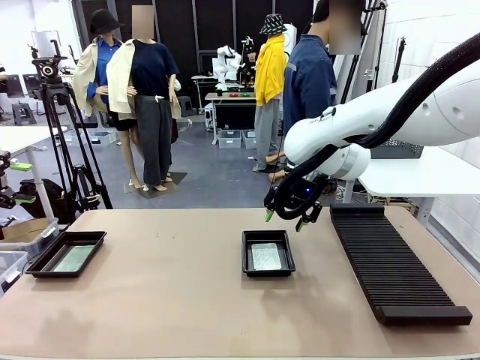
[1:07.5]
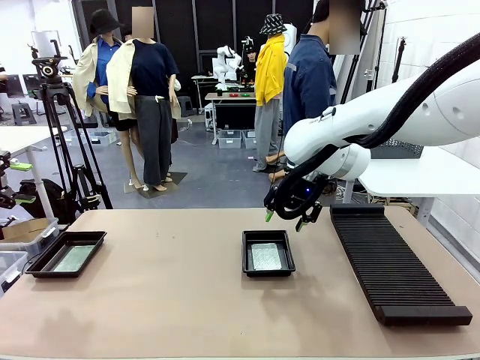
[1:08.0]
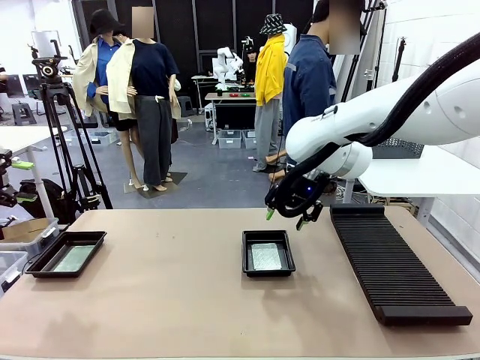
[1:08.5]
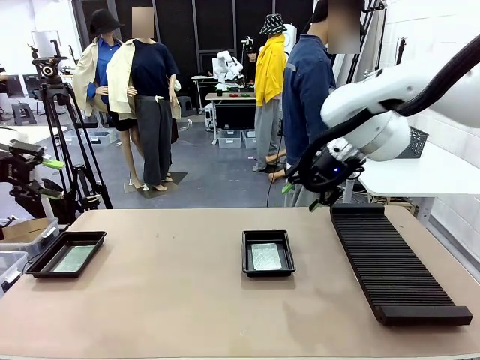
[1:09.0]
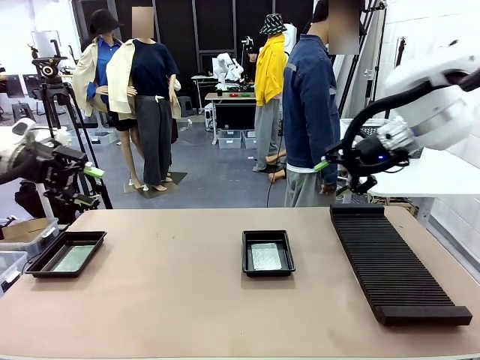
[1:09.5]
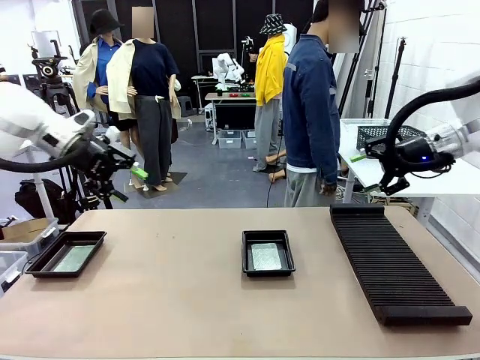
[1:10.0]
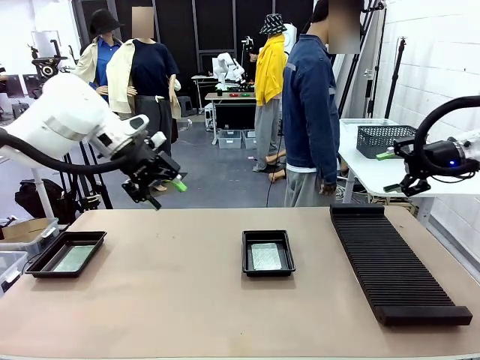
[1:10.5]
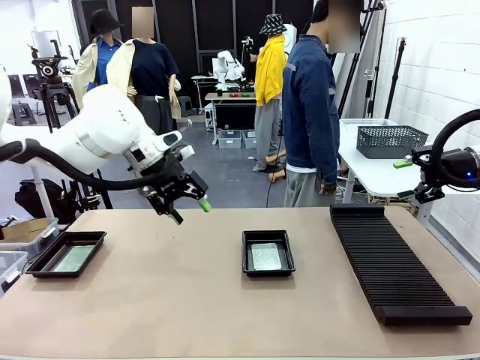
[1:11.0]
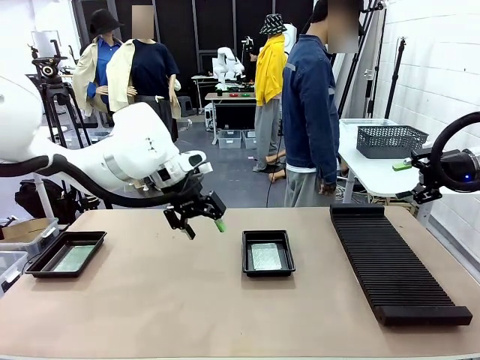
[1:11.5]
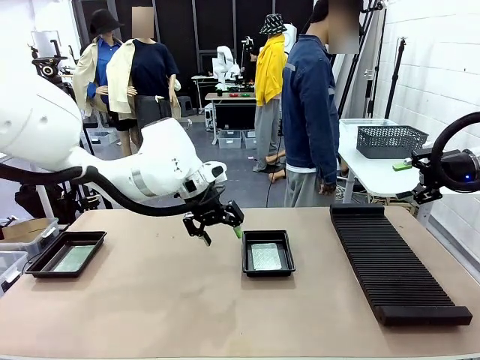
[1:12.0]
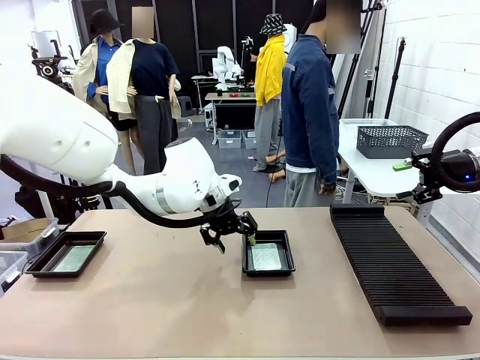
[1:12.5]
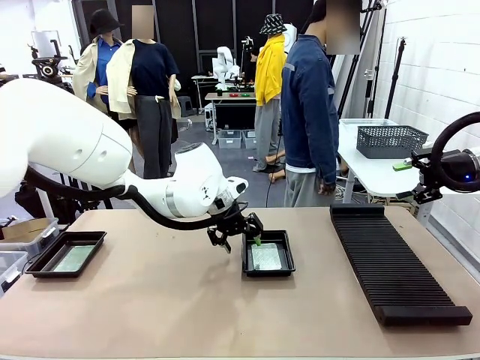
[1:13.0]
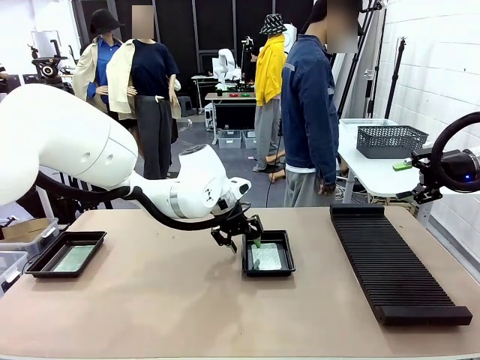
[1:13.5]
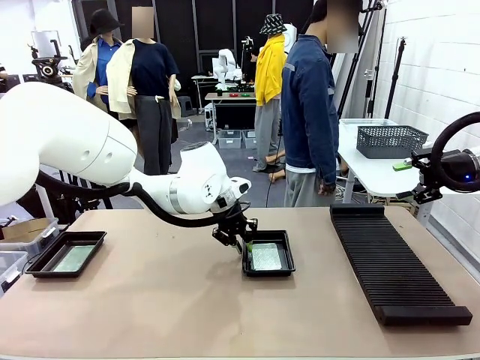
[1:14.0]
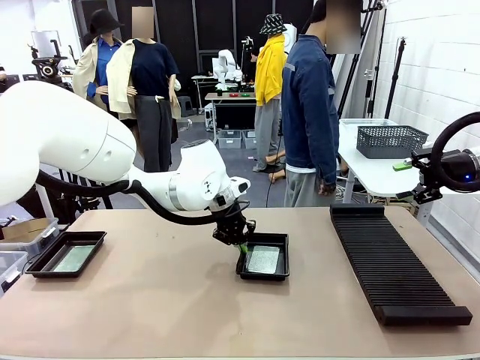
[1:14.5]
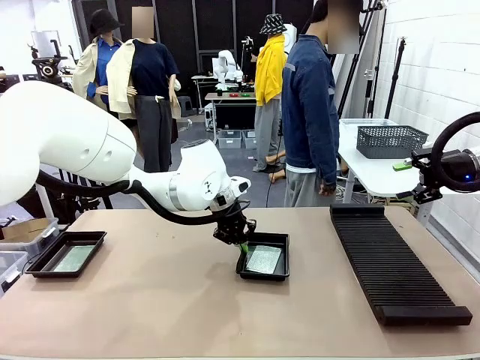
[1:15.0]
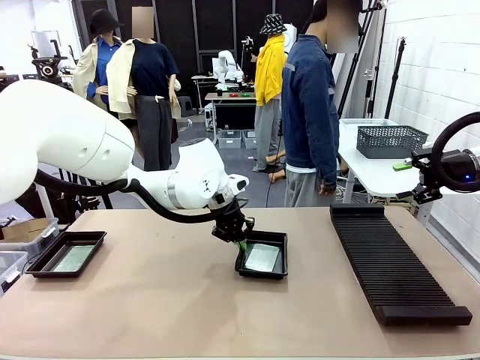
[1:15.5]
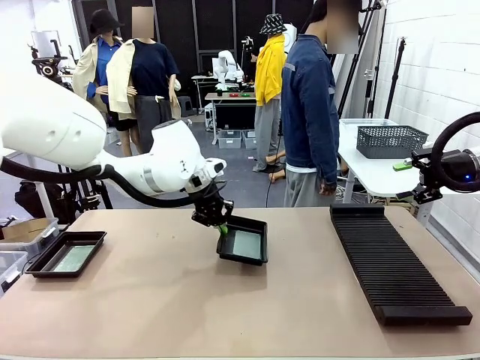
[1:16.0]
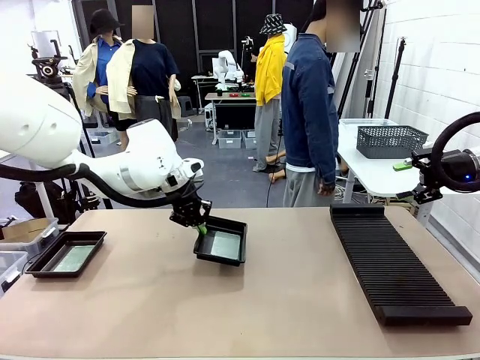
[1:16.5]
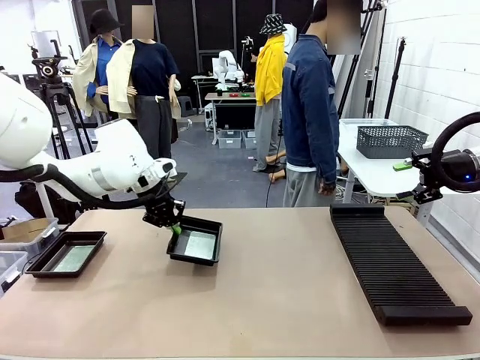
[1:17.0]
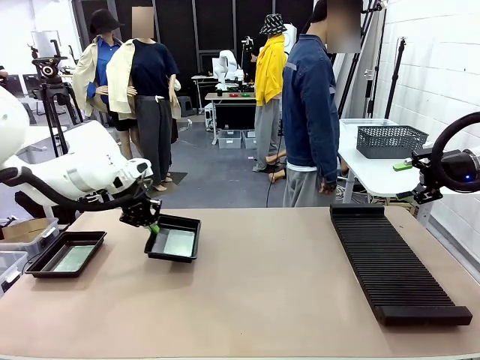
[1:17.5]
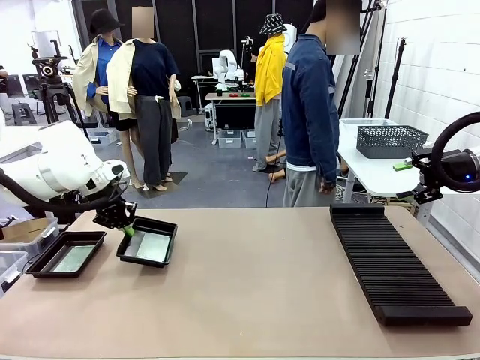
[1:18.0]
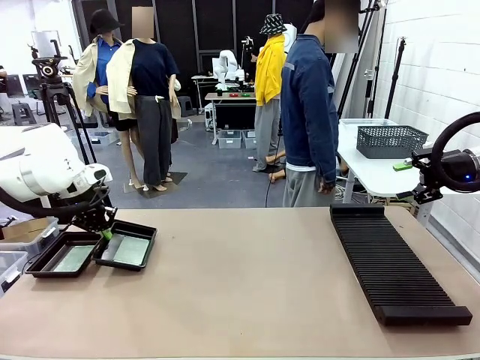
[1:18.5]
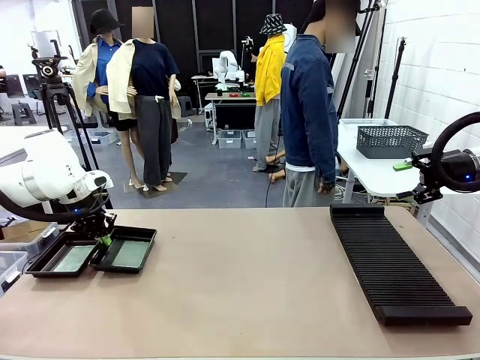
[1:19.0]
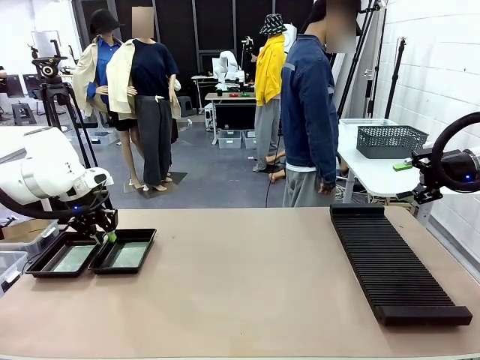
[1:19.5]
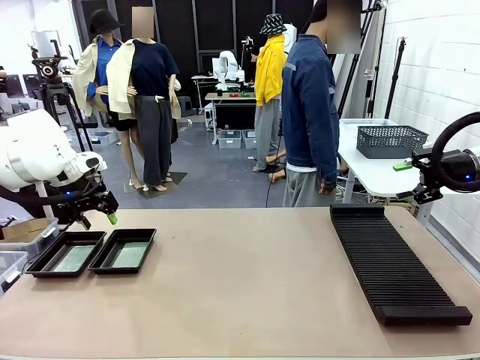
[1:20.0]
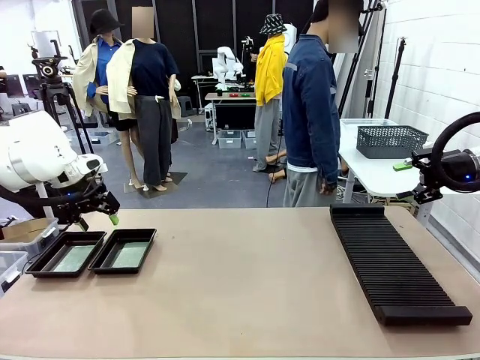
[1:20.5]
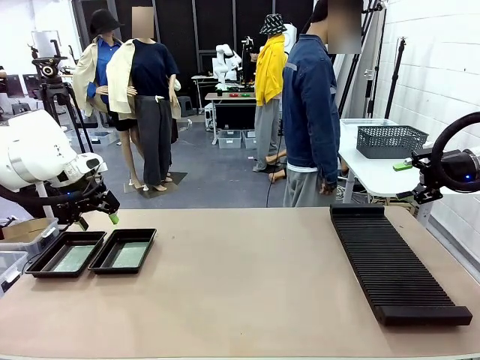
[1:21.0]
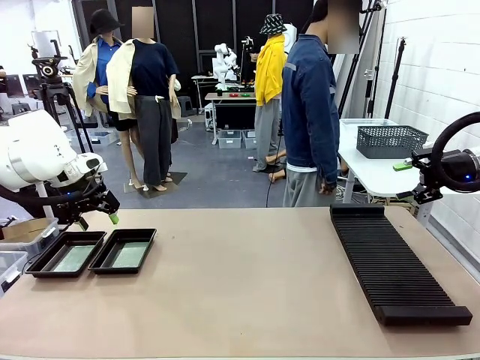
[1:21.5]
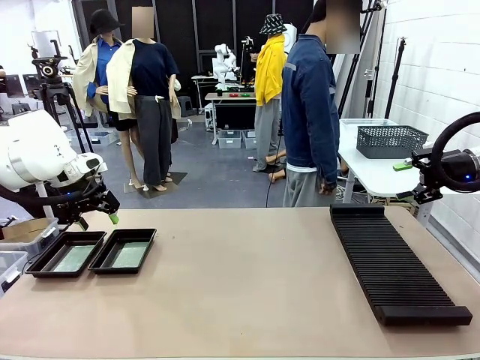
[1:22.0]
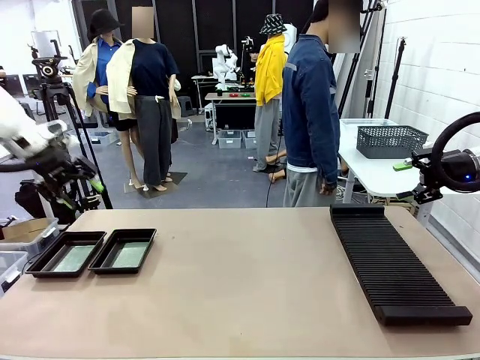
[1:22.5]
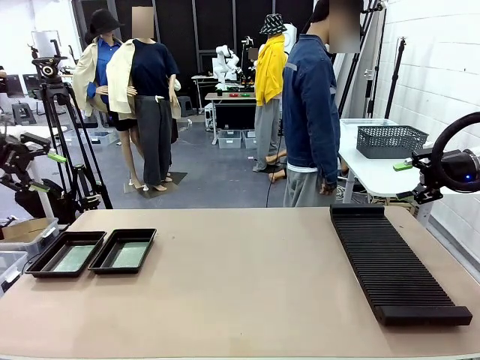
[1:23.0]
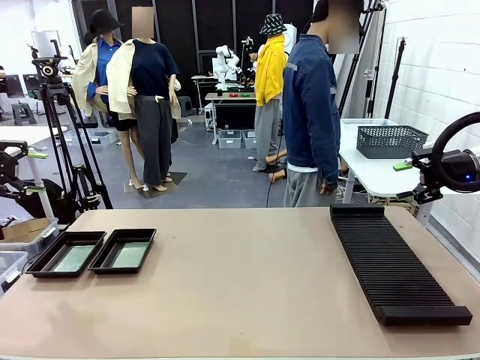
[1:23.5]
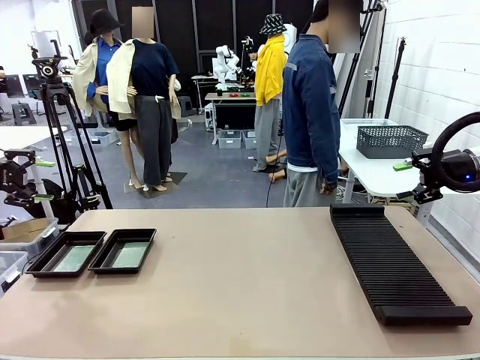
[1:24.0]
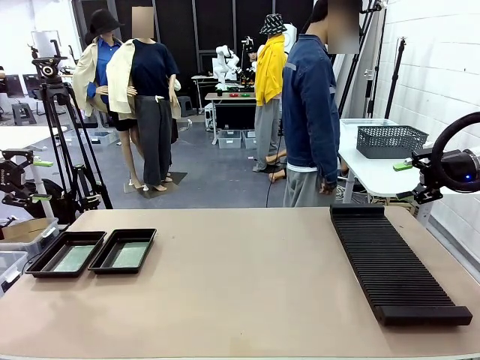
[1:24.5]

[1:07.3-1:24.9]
Task: Inspect and transfer BCBs to ESD trays.
Robot: Pick up the ESD tray and place it on the left side of the table.

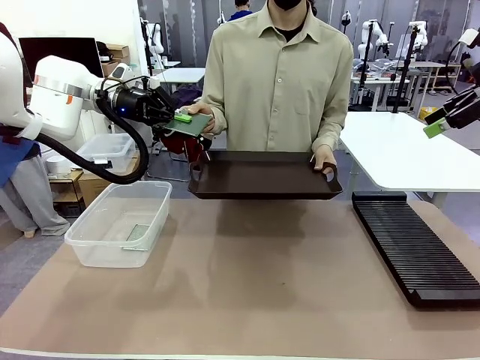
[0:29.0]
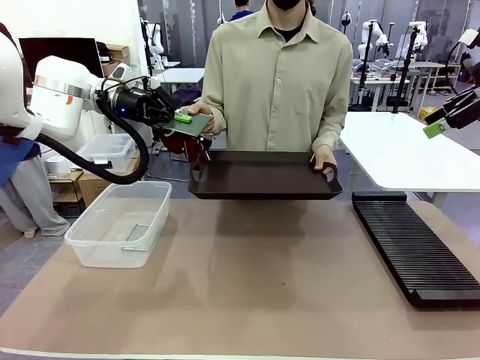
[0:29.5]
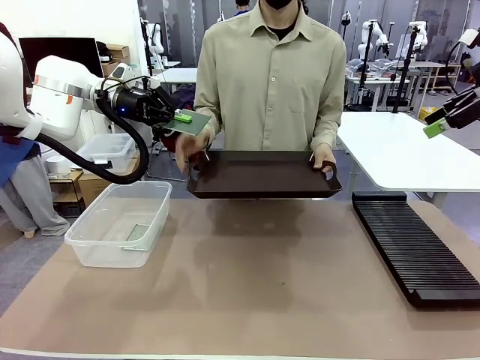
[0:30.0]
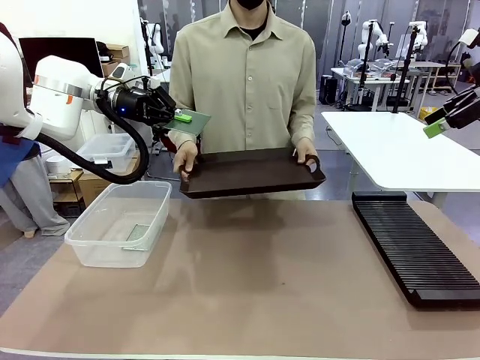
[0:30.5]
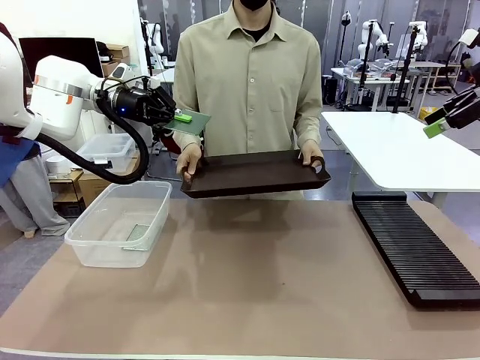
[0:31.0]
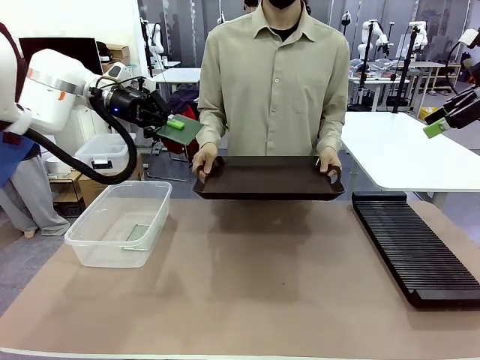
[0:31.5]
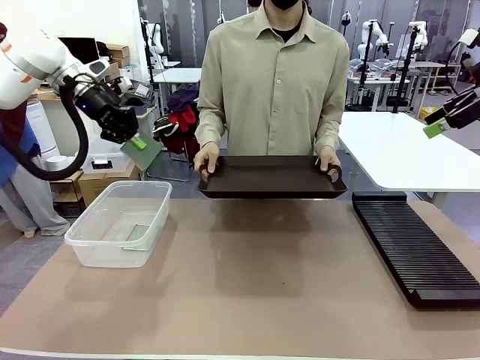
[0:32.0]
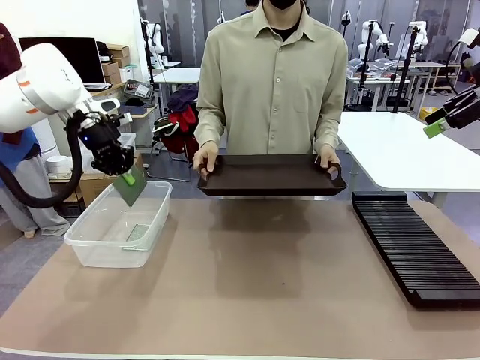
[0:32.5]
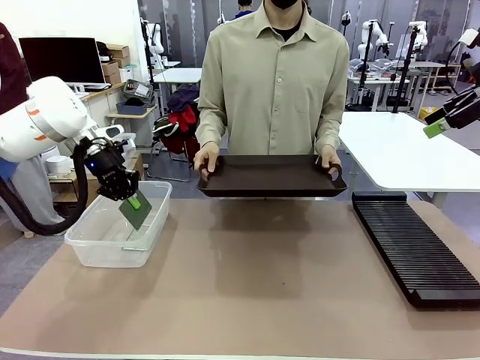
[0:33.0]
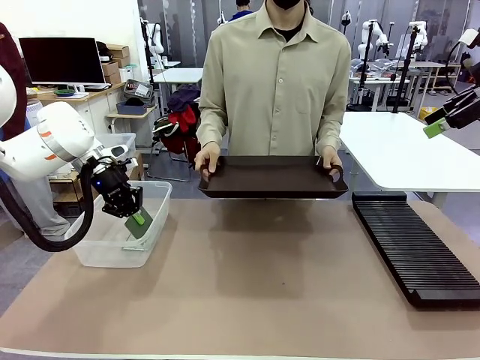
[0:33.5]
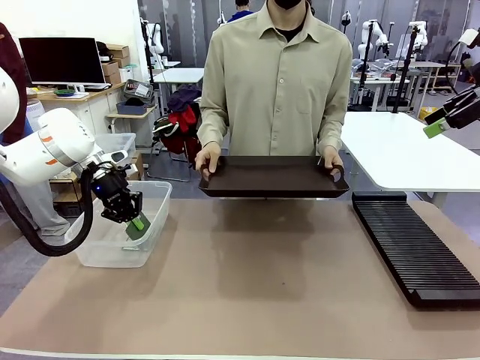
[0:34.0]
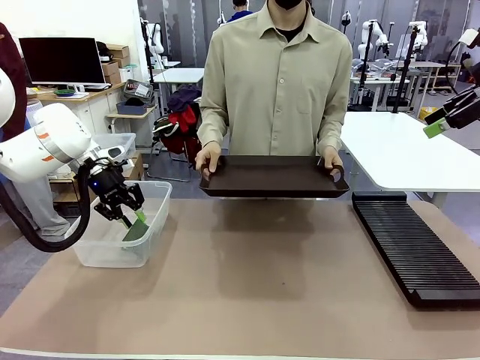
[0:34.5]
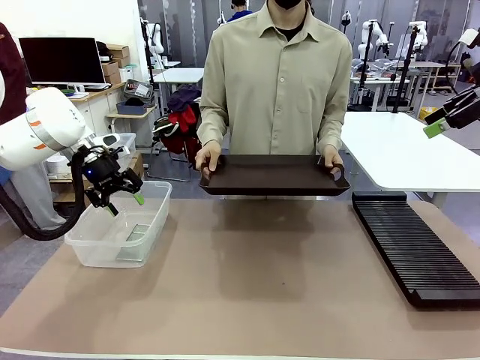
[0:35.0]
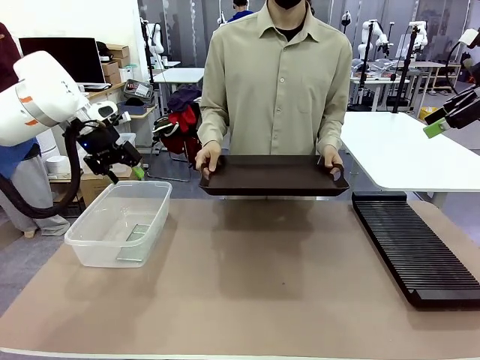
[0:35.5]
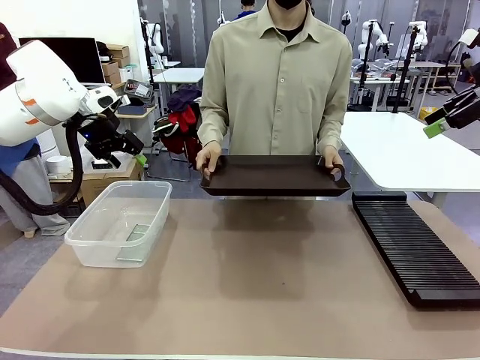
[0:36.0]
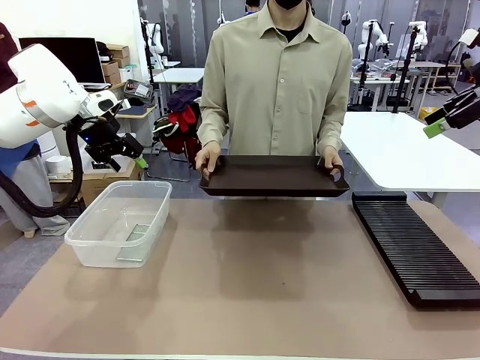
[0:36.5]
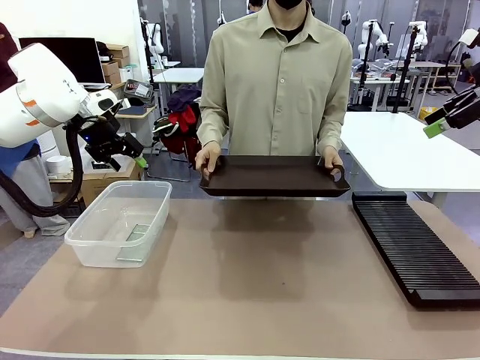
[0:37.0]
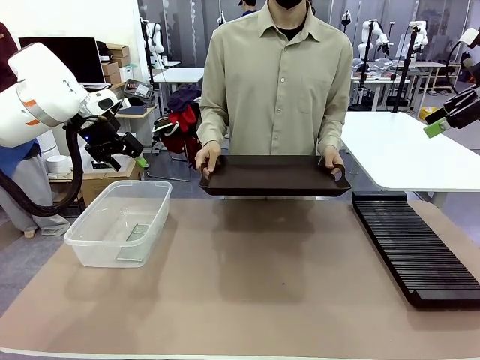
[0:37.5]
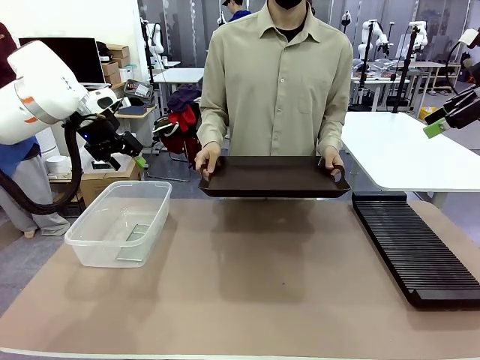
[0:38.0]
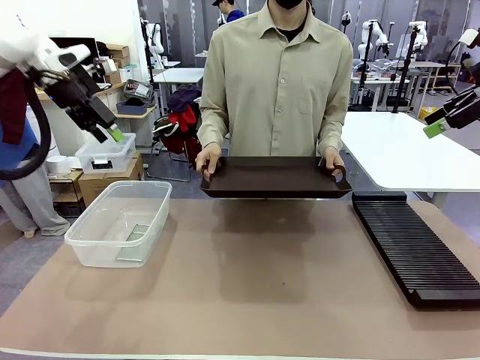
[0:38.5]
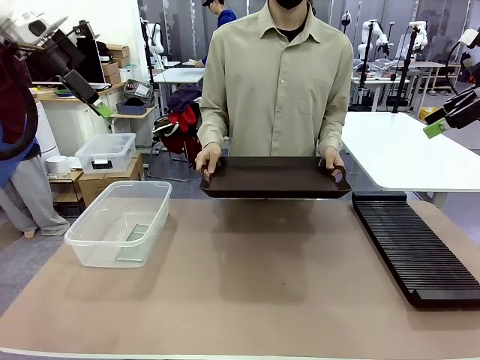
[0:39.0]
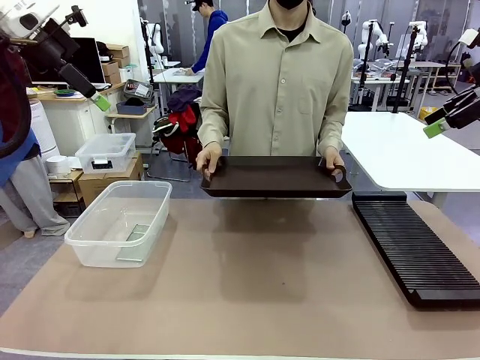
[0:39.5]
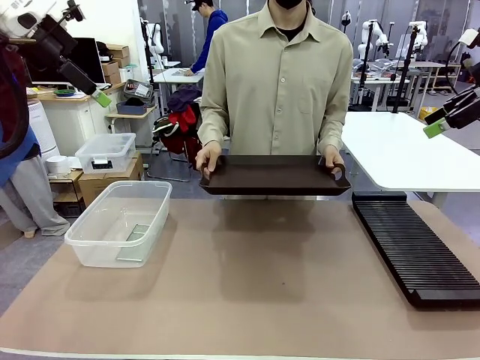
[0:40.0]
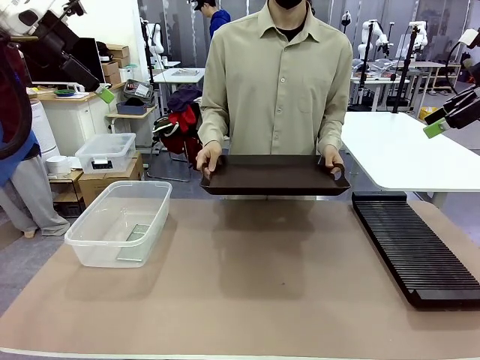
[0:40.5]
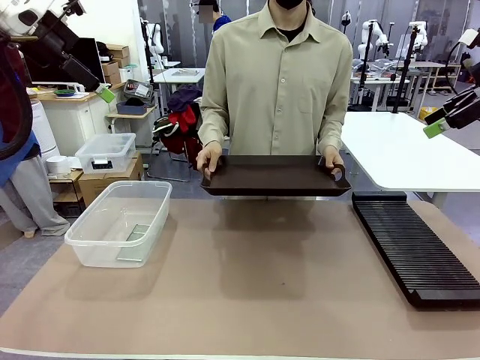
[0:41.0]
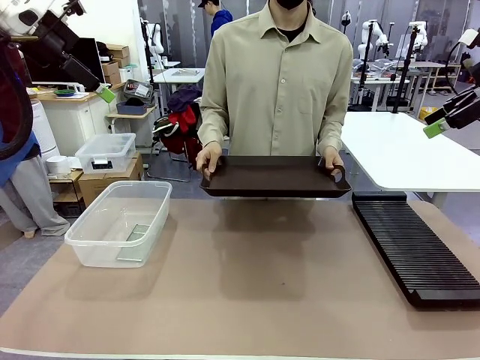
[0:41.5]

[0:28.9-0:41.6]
Task: Sort PCBs into racks and boxes based on the side picked up.
Robot: If the short side of the Blank PCB is picked up, insert it into the PCB Rack ; if the long side is picked up, place it in the Organizing box.
Person: Release the PCB being held.
